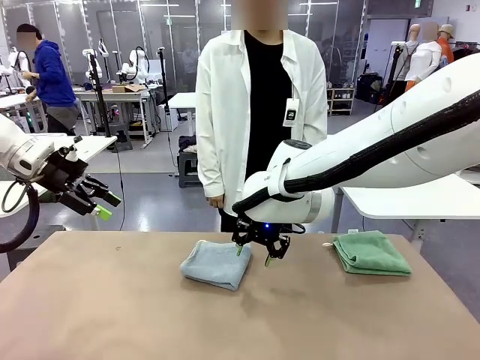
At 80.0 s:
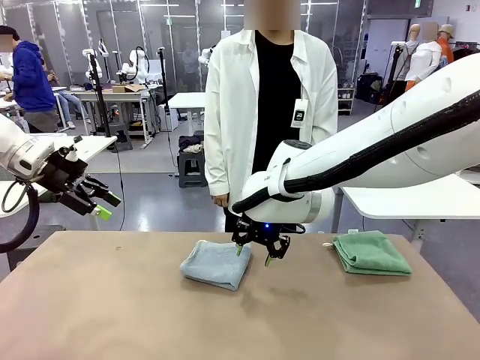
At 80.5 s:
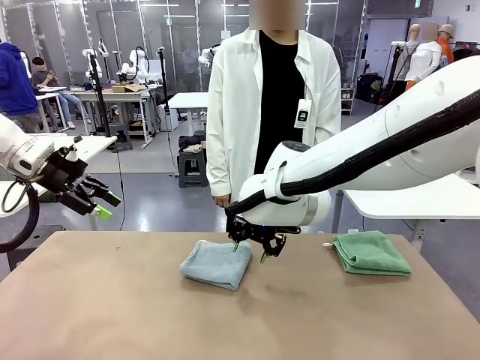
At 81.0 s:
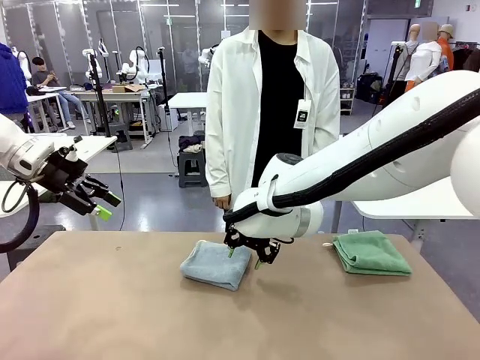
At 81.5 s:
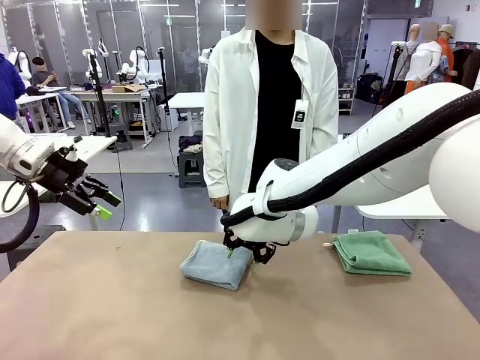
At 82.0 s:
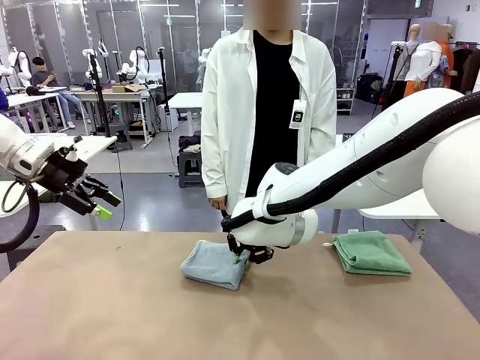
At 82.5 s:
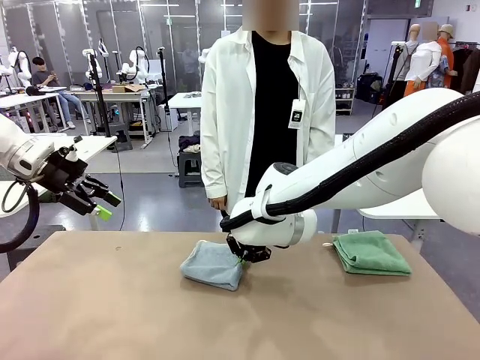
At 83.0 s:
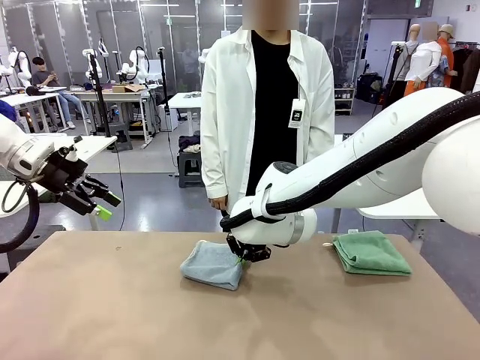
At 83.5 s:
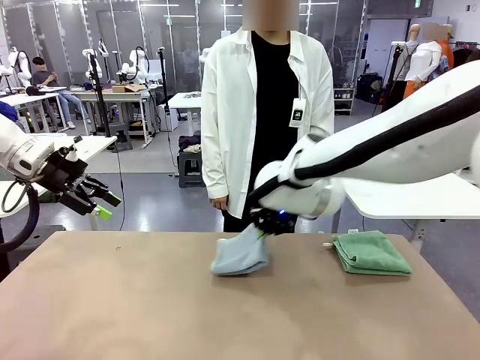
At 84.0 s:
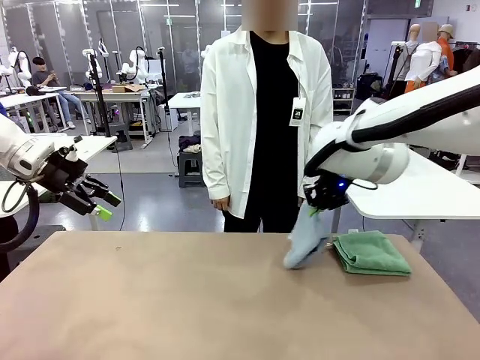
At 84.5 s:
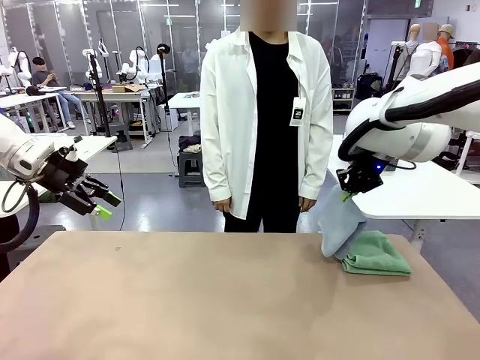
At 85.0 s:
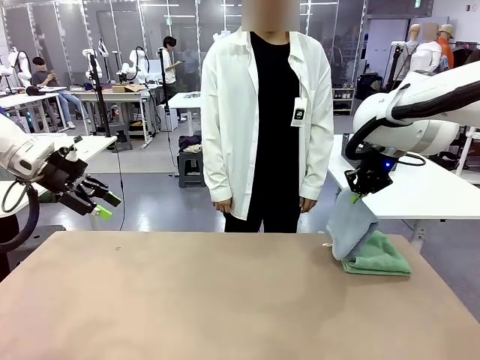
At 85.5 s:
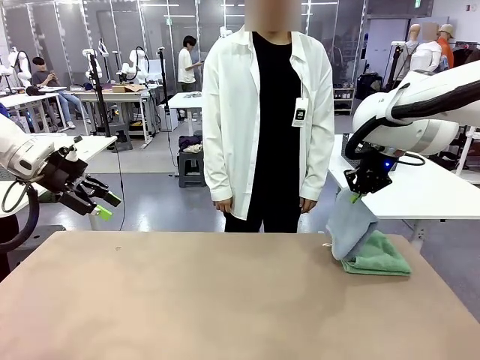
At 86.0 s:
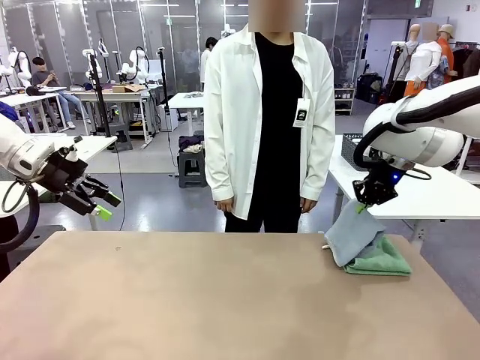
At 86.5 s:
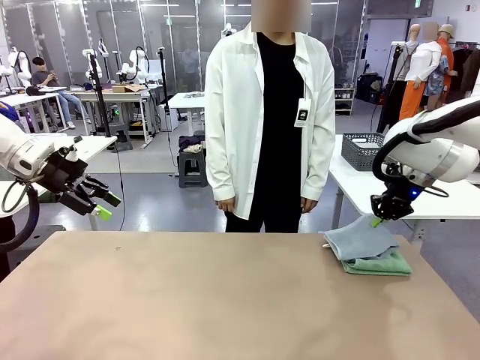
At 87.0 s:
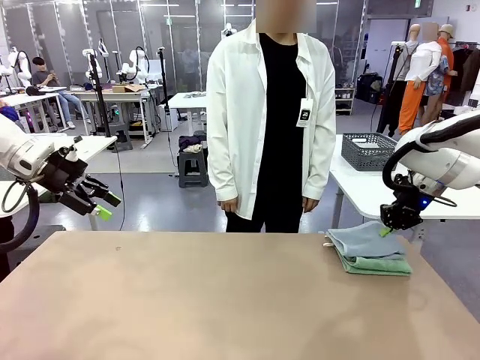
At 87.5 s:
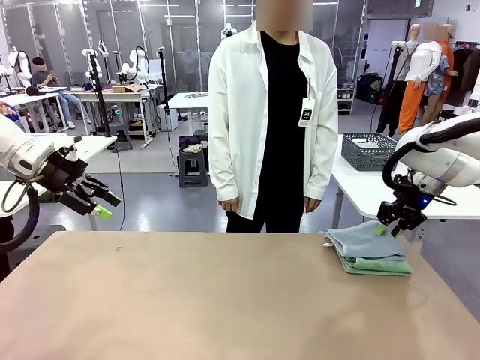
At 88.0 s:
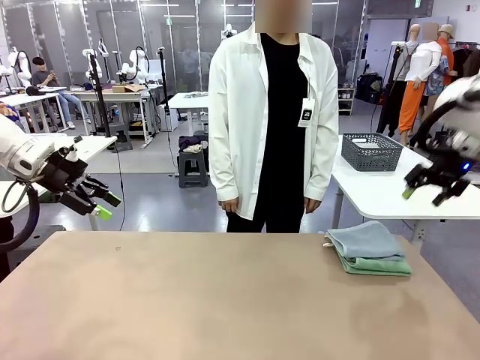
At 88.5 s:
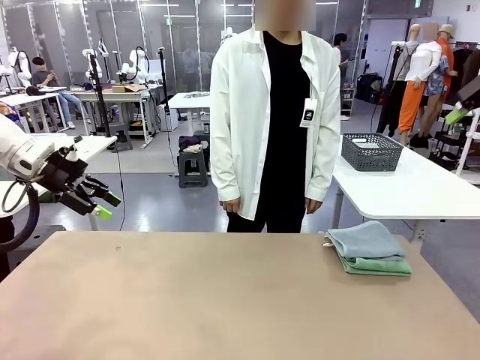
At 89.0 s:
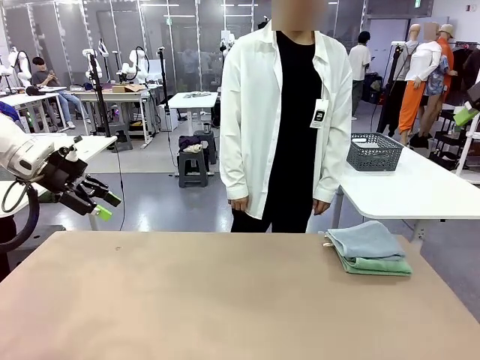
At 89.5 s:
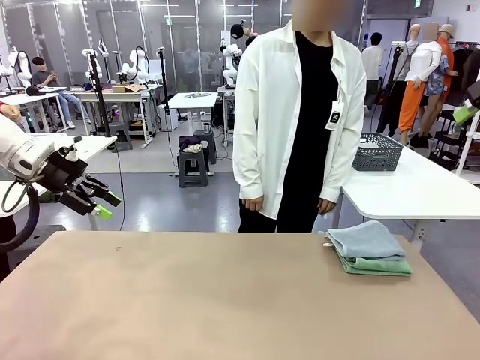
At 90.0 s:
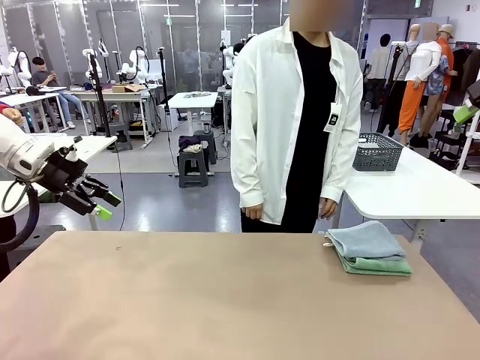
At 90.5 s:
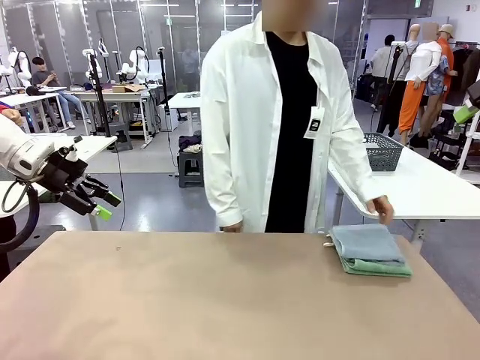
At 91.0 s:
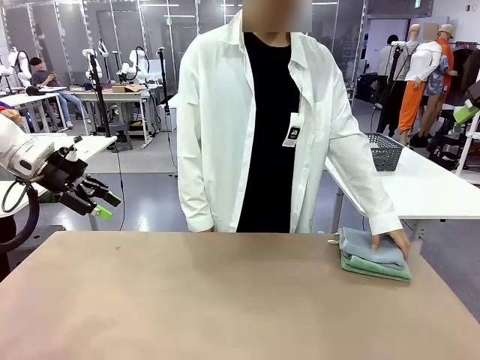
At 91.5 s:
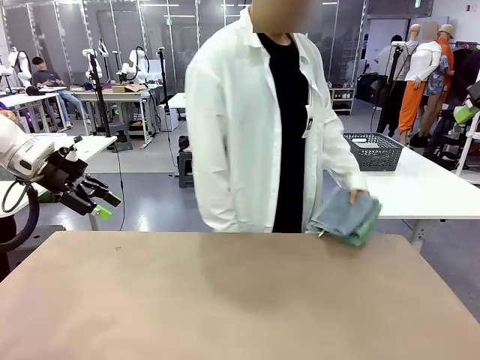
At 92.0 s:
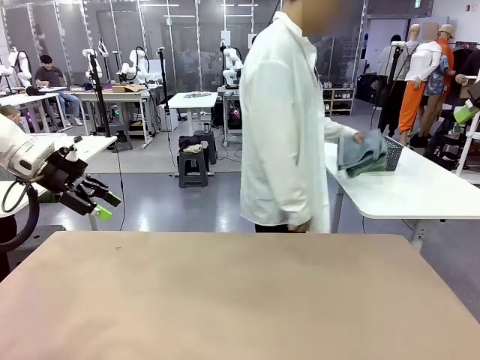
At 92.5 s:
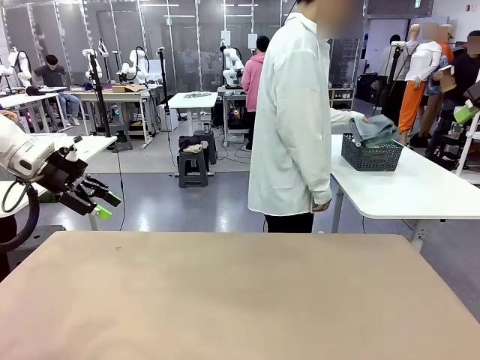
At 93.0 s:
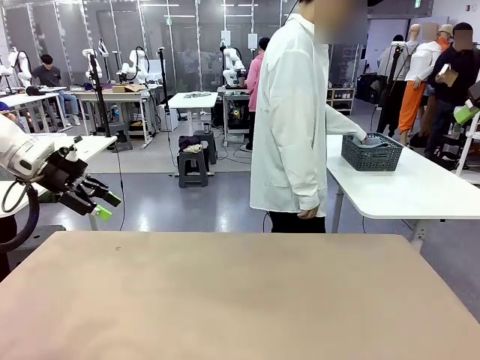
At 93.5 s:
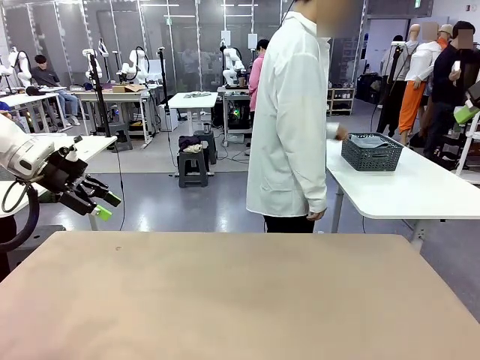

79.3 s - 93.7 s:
Task: Fold the towels and place them in the basket.
Robot: Stack the folded Towel with hook on the right side of the table.
Person: Pick up the stack of towels from the robot table and place it into the basket.
